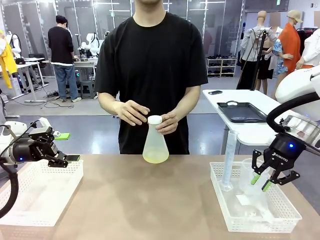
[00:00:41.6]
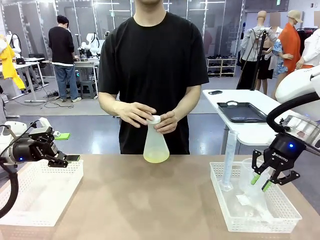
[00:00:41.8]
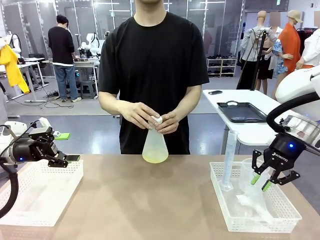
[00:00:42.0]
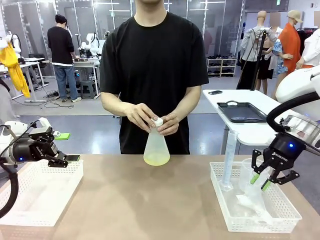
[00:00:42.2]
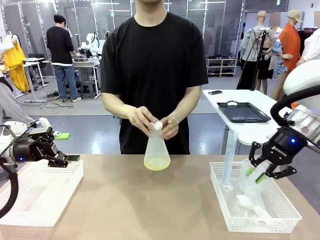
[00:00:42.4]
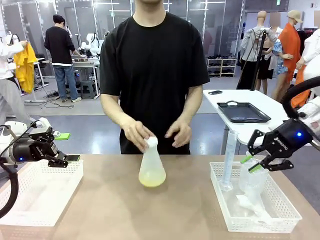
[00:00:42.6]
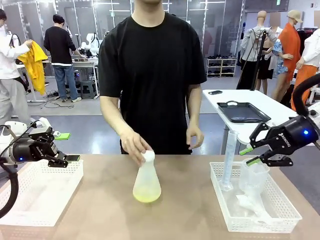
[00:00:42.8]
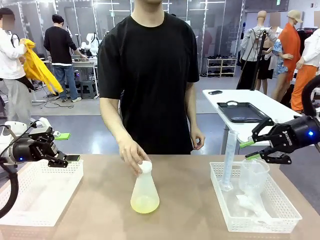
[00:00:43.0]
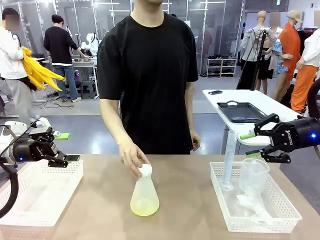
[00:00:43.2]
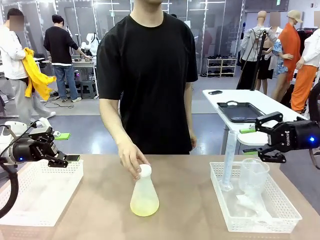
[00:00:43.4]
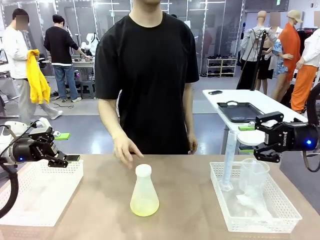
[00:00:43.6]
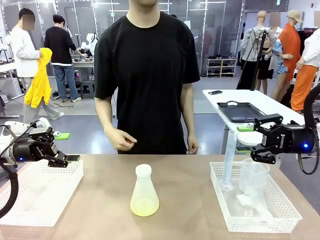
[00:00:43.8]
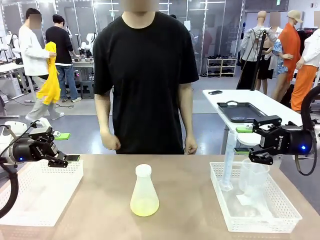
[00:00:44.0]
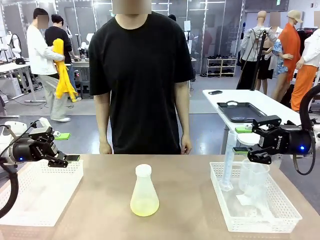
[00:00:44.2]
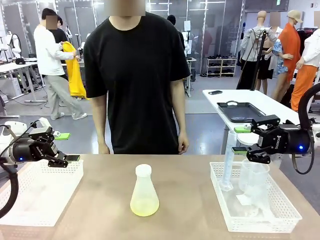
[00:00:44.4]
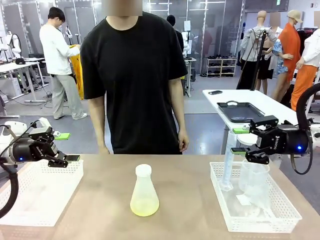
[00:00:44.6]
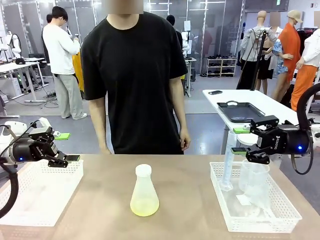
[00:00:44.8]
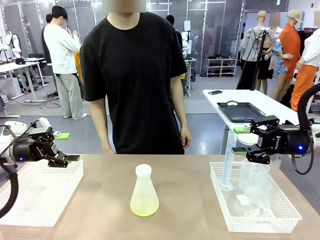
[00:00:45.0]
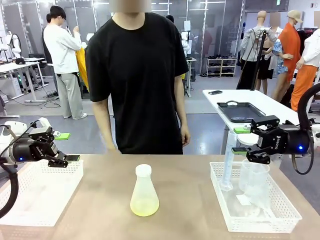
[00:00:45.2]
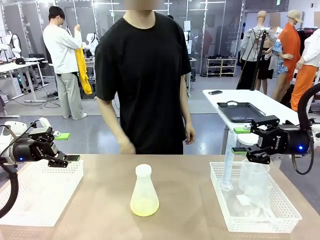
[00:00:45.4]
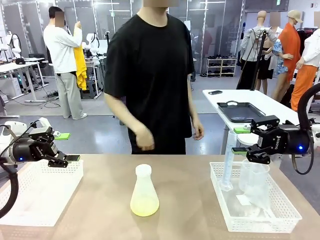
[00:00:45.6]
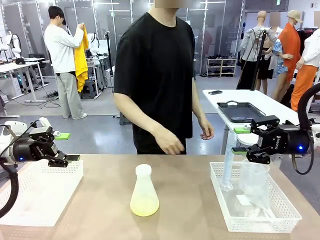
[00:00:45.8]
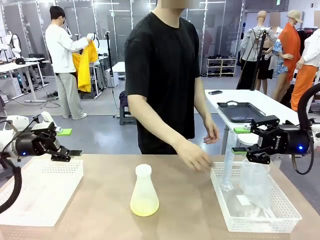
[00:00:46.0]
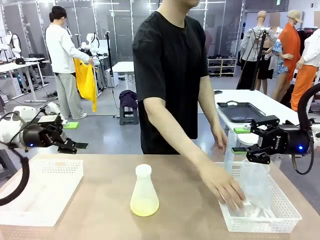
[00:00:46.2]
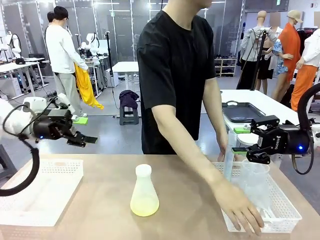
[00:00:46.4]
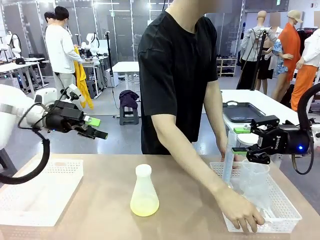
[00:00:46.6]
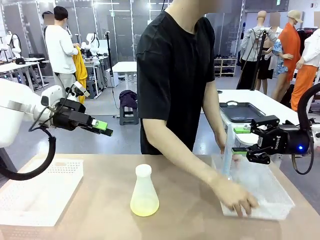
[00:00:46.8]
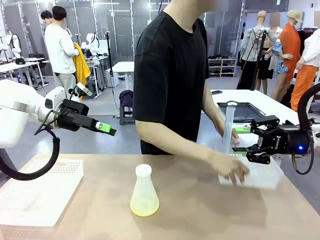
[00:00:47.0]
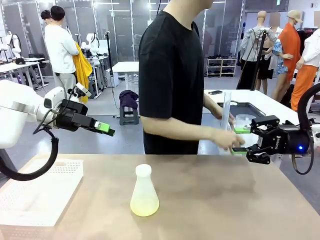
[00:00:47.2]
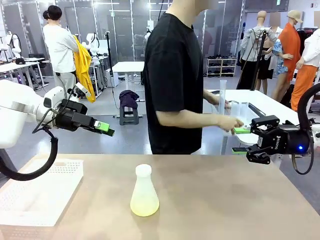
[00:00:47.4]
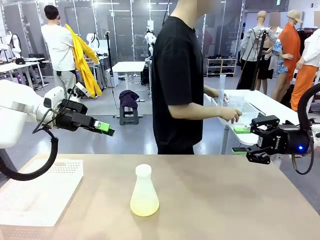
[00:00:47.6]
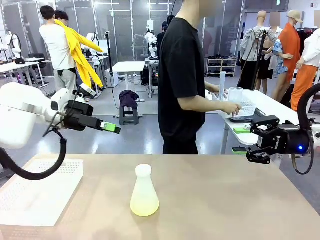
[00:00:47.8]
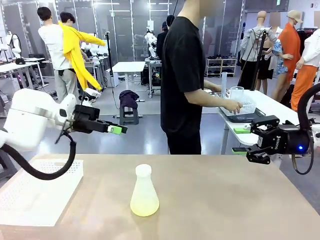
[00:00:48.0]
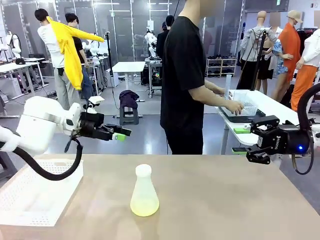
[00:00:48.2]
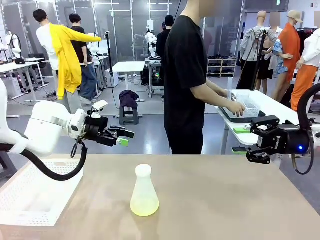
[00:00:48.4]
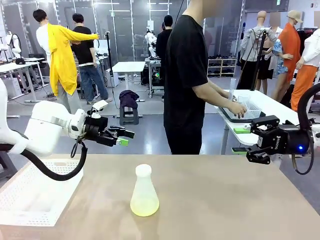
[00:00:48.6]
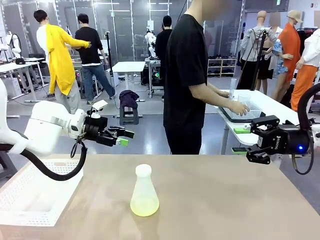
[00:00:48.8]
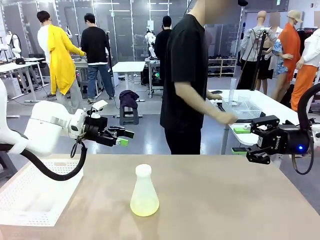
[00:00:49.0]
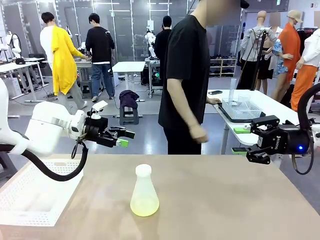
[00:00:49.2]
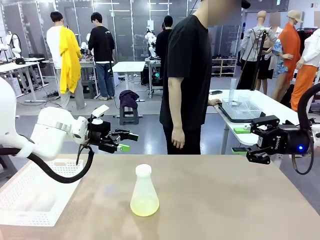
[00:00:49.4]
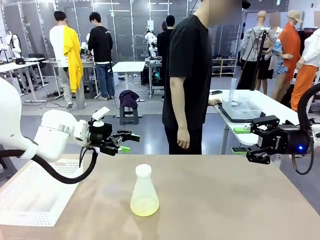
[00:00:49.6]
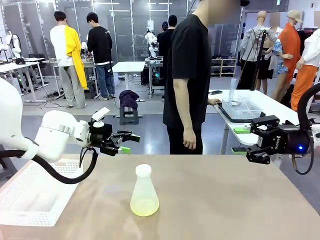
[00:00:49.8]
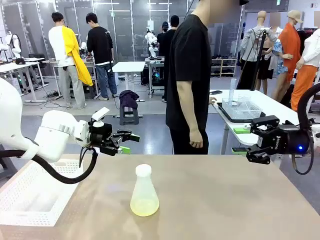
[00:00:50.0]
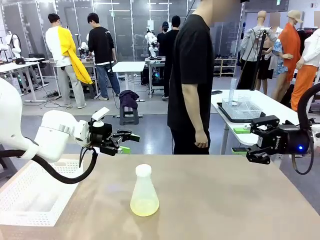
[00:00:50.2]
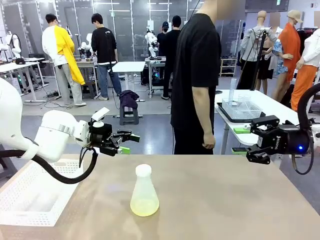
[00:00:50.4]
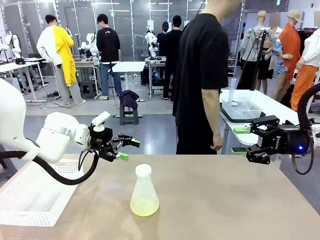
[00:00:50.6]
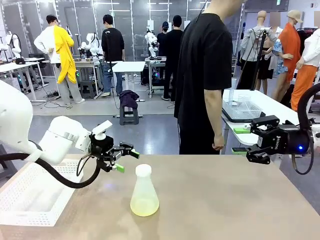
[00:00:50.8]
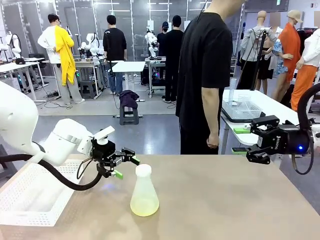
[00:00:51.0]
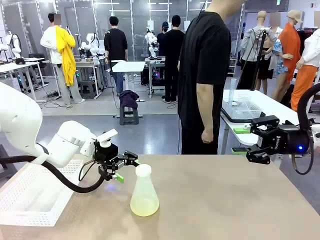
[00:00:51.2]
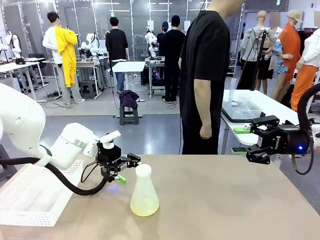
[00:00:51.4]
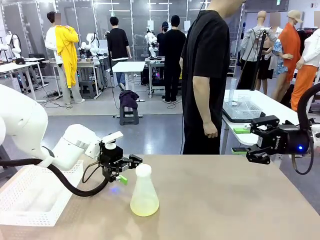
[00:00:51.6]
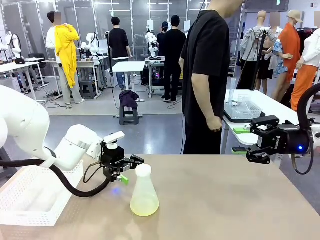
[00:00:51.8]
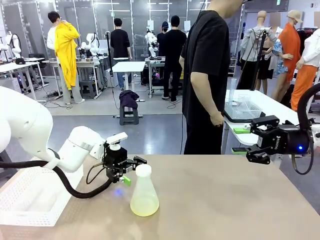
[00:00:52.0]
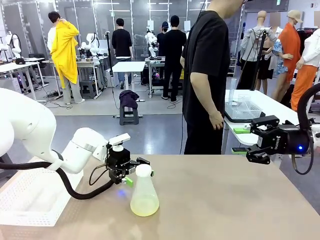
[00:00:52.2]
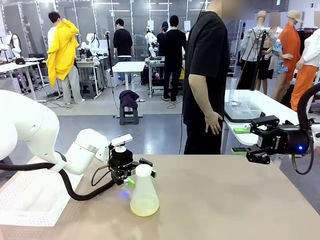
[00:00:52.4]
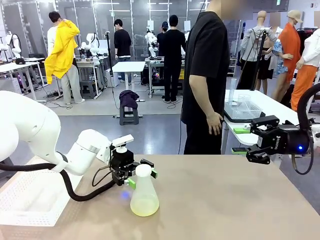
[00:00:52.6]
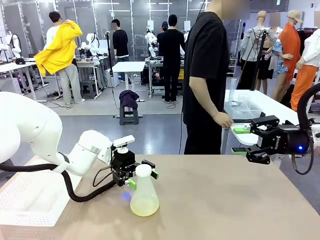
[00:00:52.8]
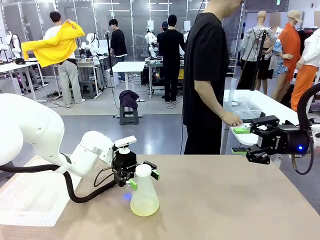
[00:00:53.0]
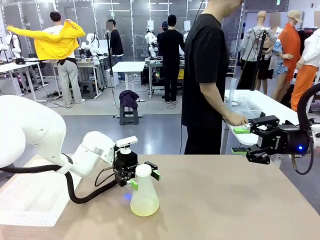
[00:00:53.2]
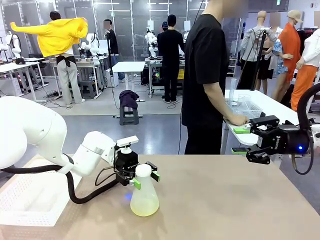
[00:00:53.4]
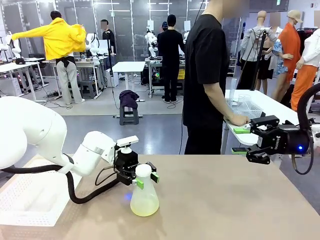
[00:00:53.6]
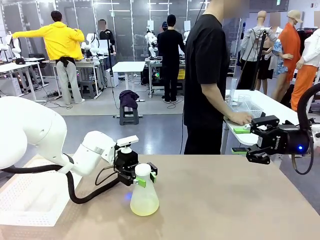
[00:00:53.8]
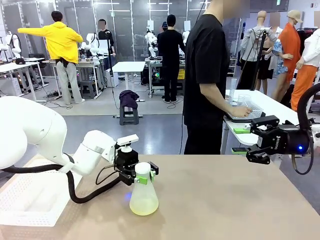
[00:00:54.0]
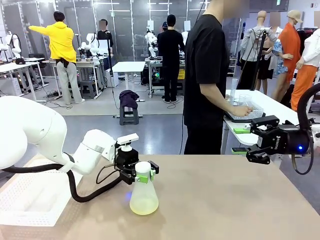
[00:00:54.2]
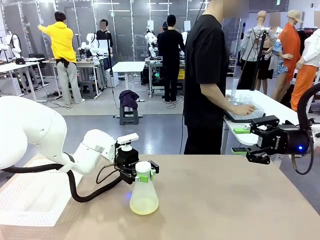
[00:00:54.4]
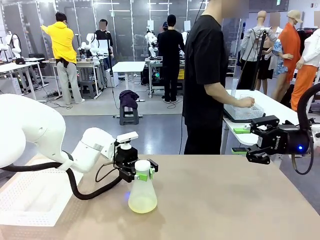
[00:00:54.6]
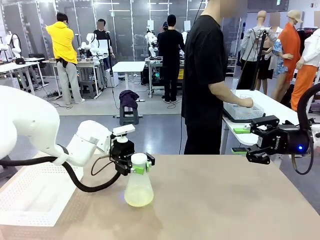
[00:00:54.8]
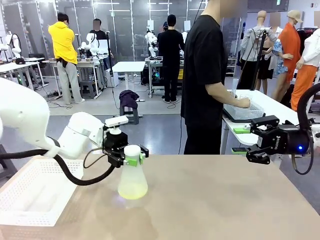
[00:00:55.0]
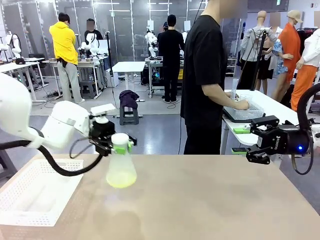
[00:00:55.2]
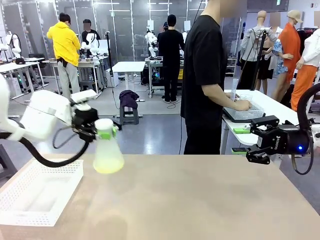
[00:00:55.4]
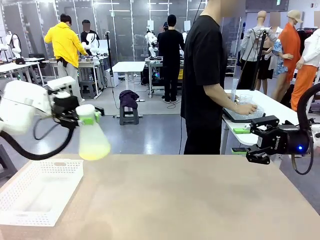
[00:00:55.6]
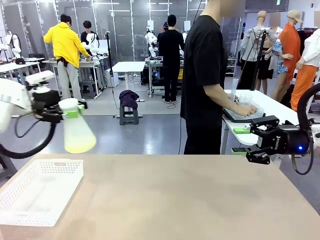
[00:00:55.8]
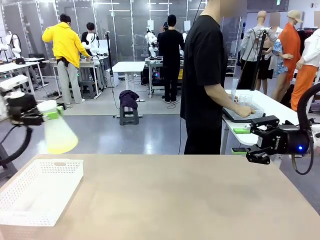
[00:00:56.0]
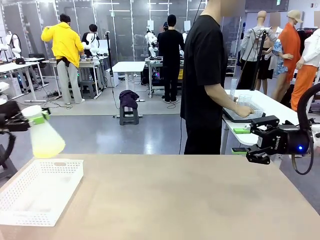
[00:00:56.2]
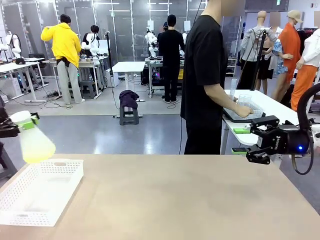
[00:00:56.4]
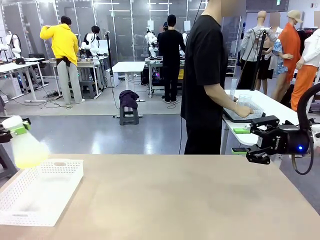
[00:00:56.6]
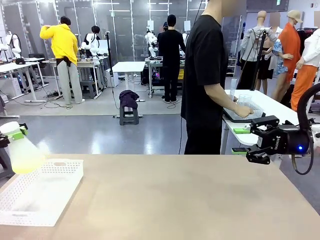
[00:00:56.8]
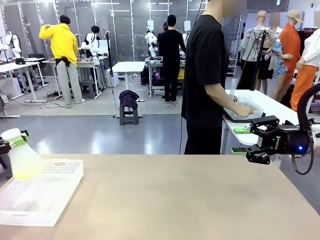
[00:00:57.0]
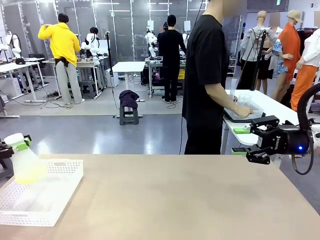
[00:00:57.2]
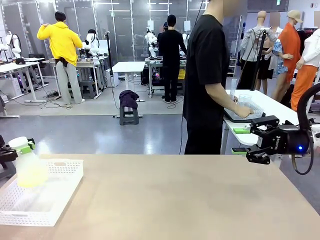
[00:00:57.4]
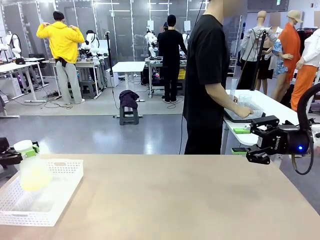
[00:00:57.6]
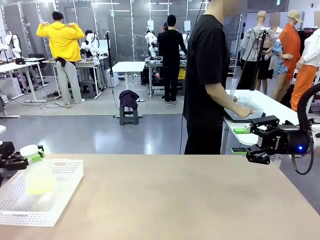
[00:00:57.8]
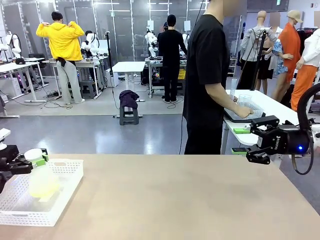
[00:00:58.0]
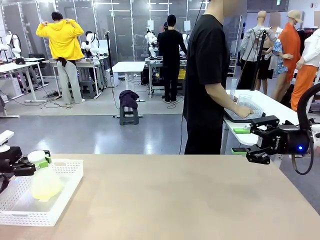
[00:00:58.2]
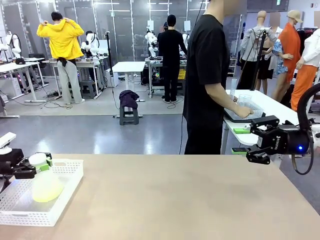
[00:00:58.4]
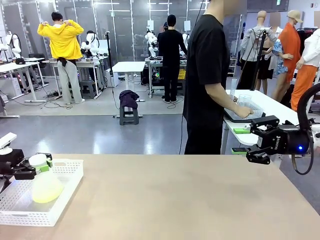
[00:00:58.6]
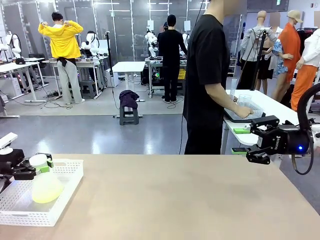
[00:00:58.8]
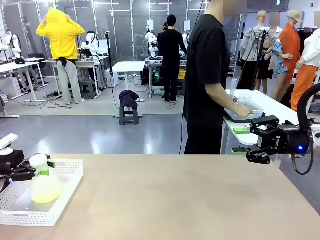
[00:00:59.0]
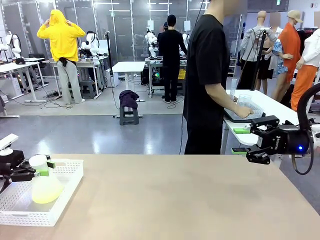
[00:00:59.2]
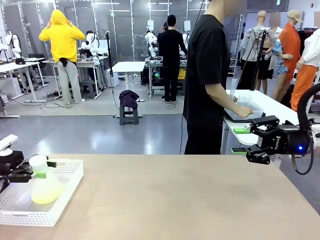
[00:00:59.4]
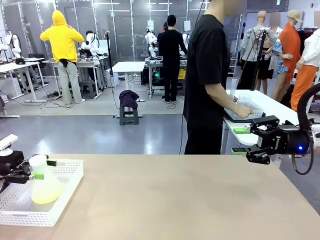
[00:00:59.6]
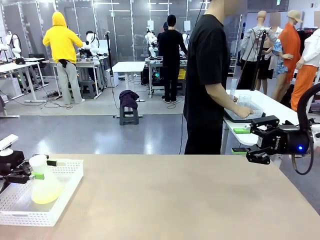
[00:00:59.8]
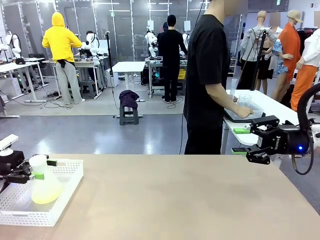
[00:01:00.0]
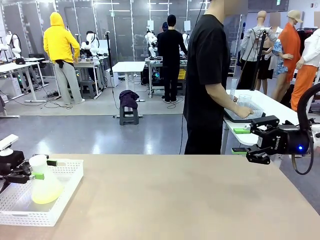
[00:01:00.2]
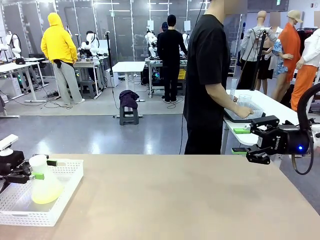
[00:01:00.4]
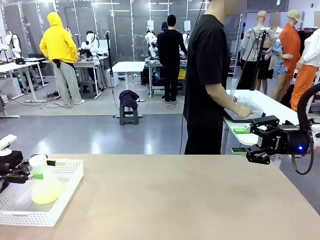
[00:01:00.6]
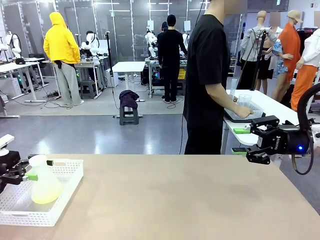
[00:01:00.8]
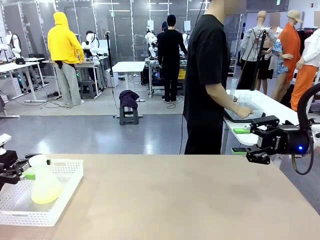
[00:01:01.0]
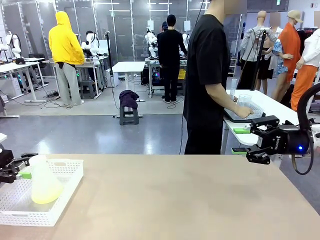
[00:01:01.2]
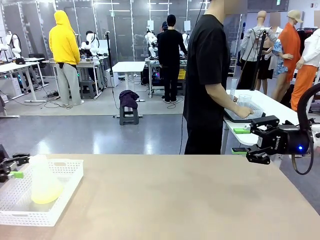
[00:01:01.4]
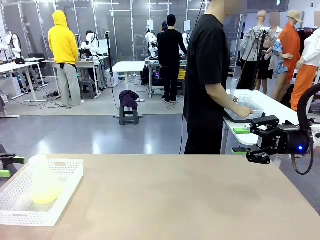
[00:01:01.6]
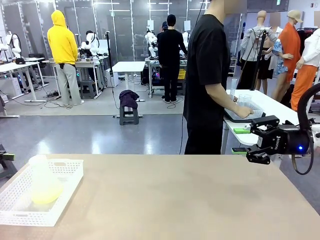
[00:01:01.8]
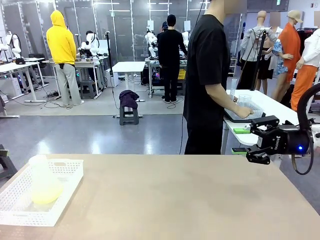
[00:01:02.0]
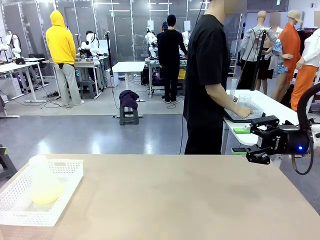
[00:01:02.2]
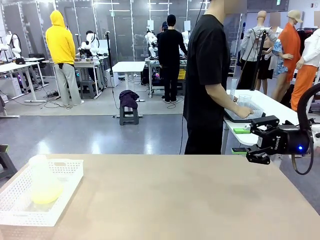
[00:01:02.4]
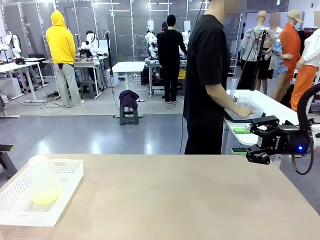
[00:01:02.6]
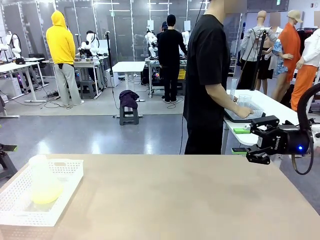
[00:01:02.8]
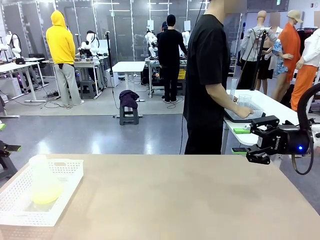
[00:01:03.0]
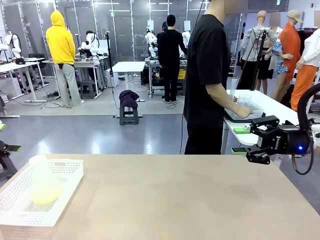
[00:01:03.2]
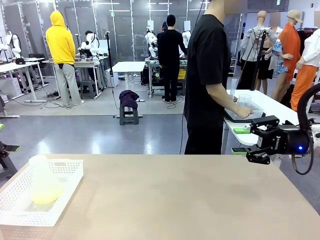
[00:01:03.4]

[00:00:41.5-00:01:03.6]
Task: Prepare the solutions needed for the experiment.
Robot: When the human places the Big flask in the center of the table, pick up the Big flask and place it in the left Organizing basket.
Person: Pick up the organizing basket on the left side of the robot table and place it on the left side of the human table.
